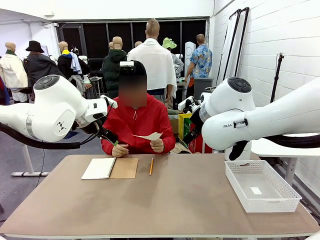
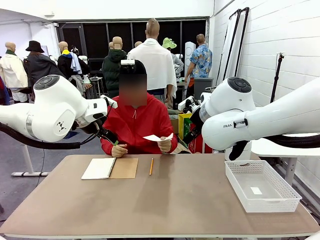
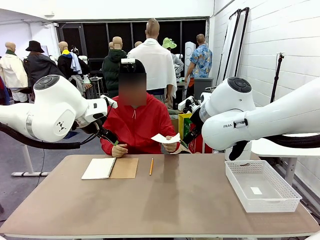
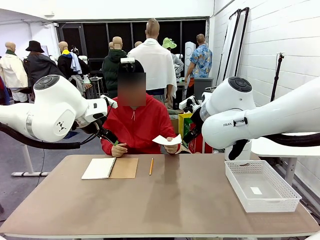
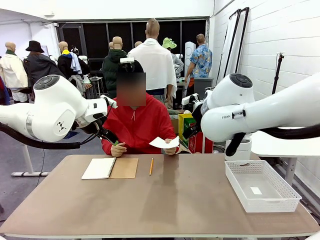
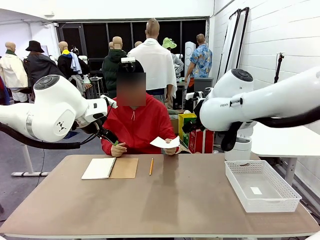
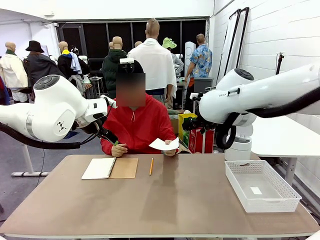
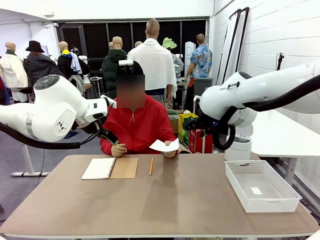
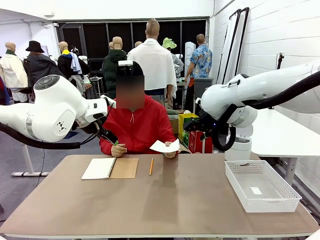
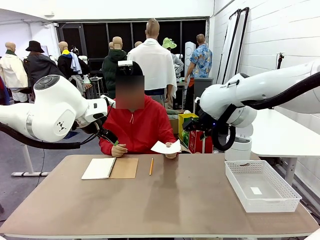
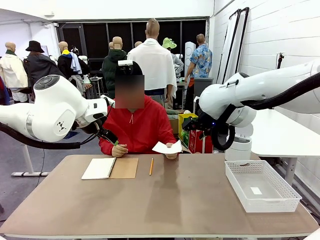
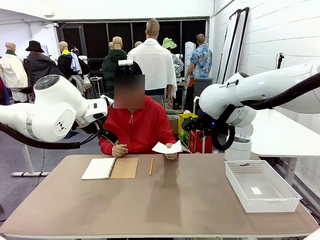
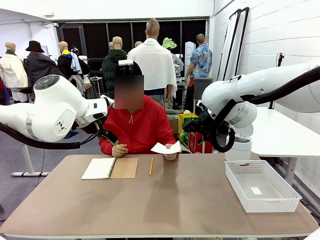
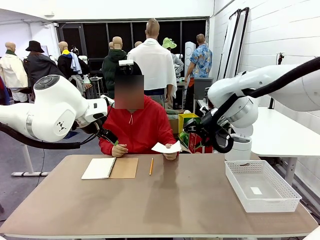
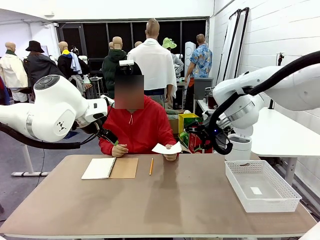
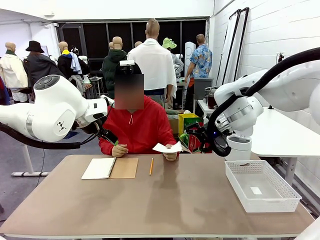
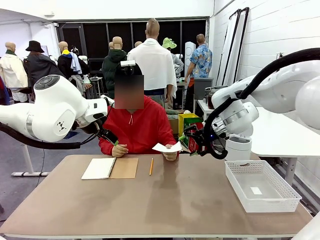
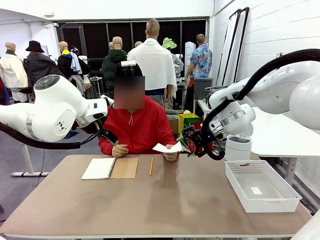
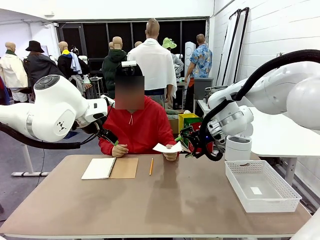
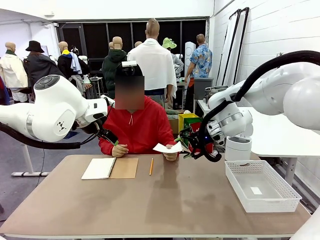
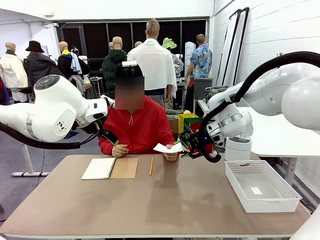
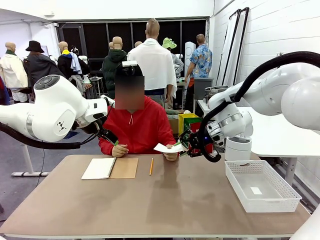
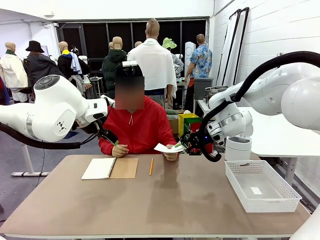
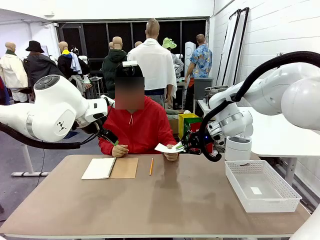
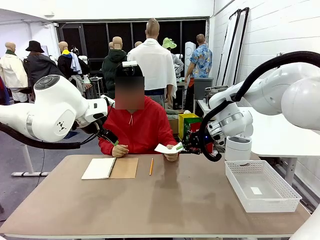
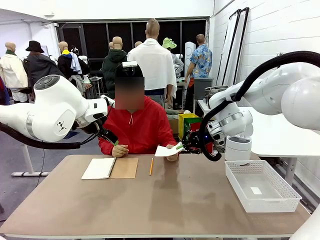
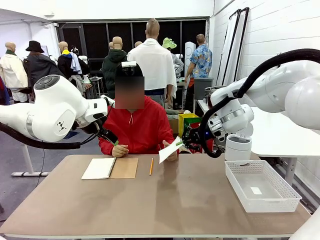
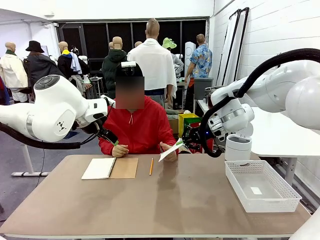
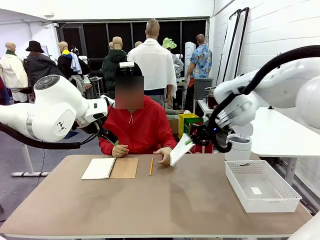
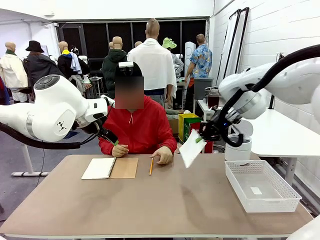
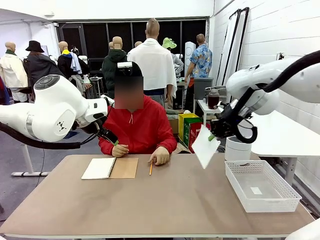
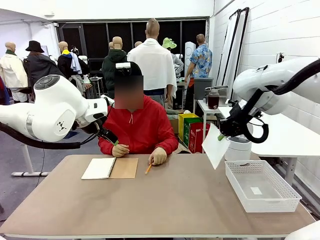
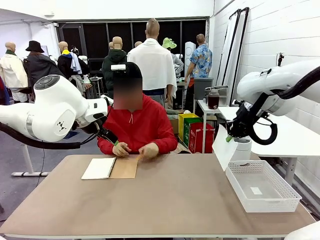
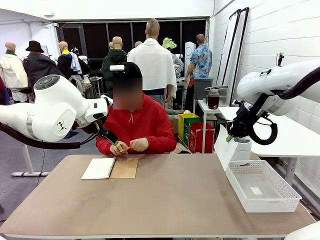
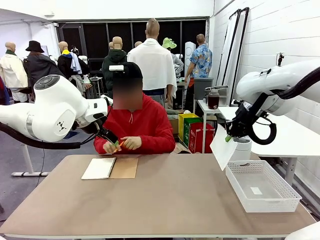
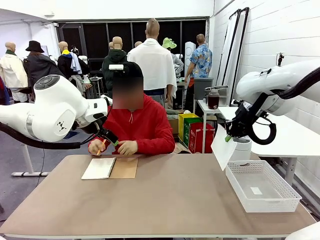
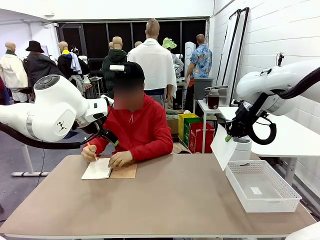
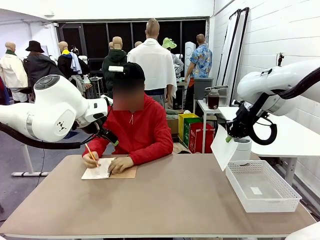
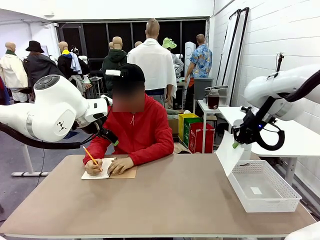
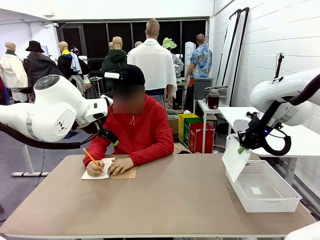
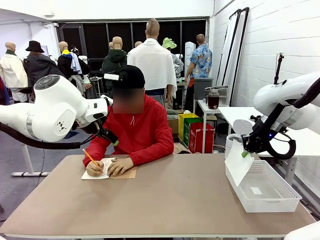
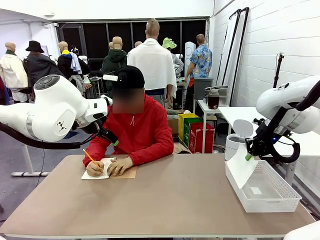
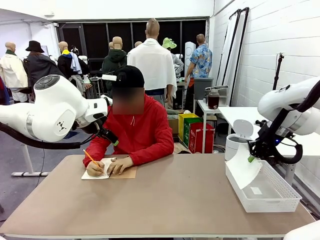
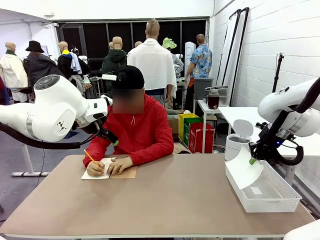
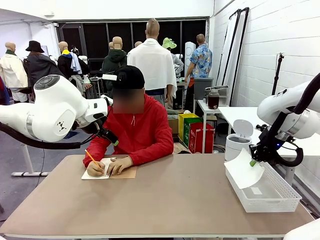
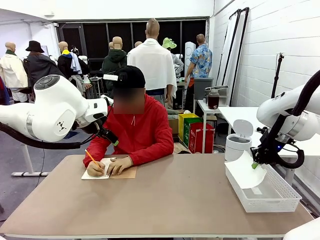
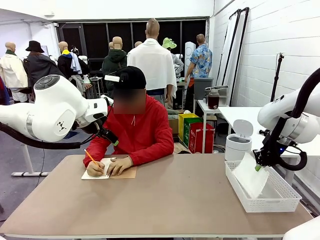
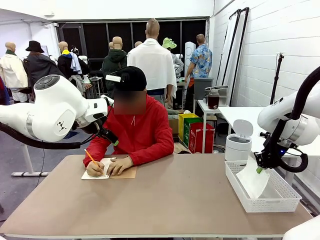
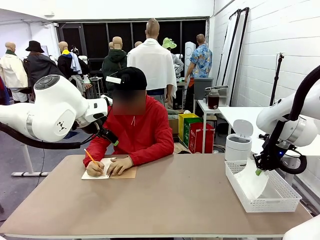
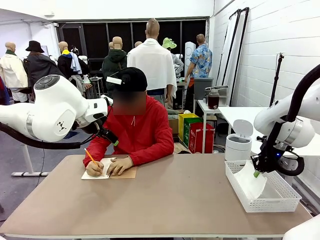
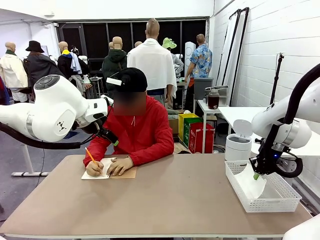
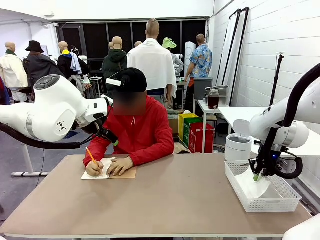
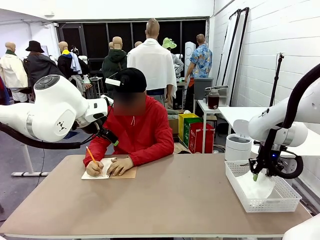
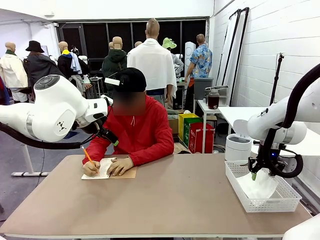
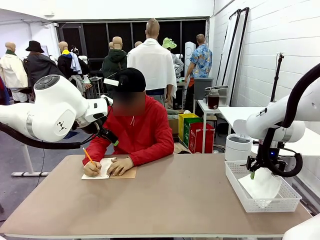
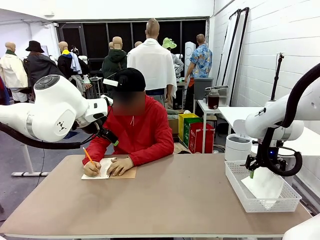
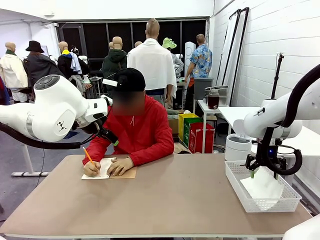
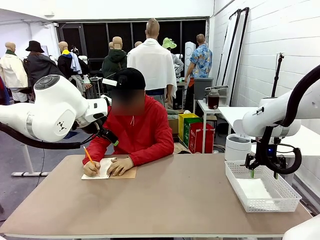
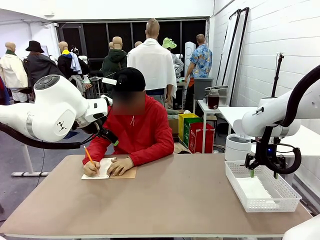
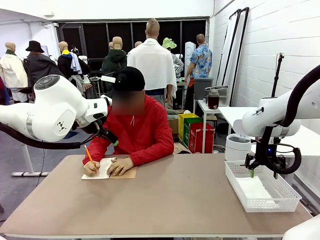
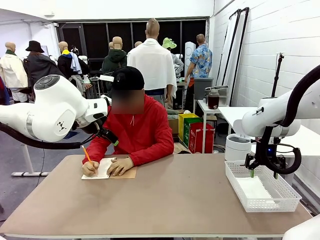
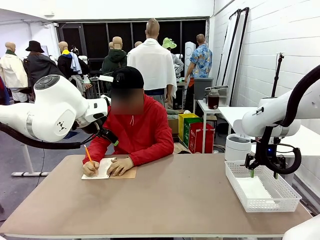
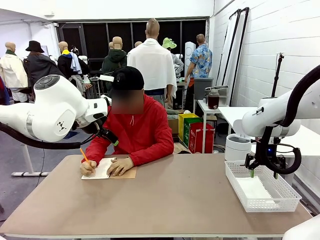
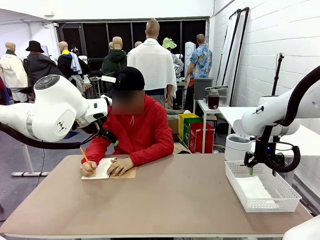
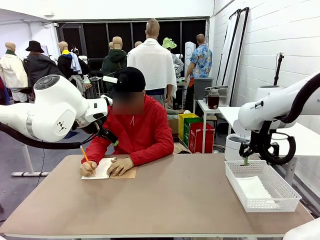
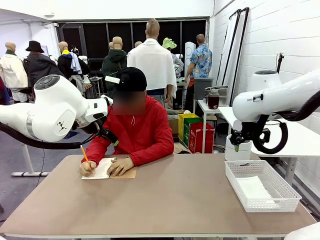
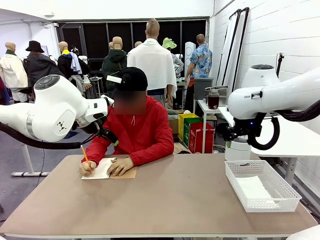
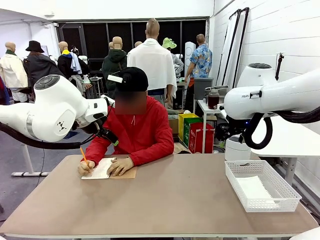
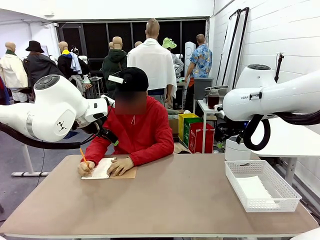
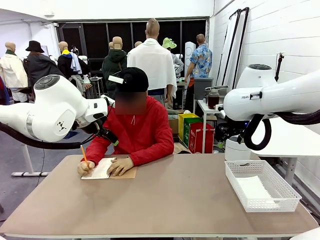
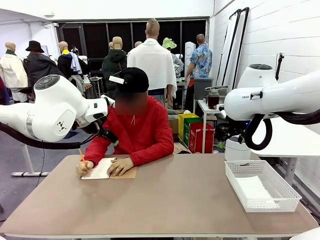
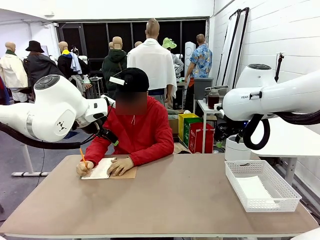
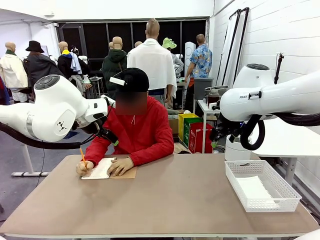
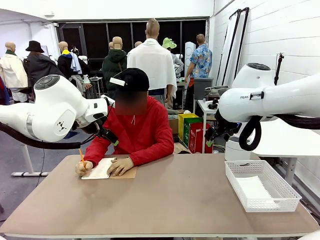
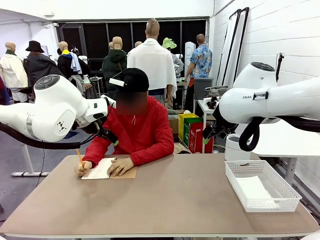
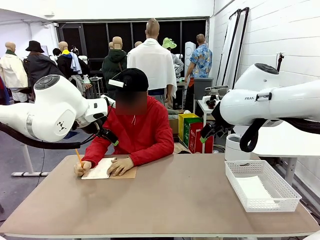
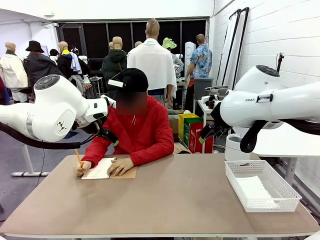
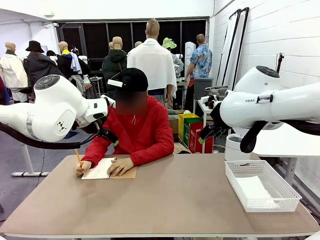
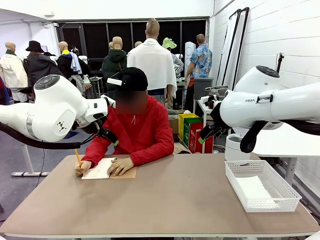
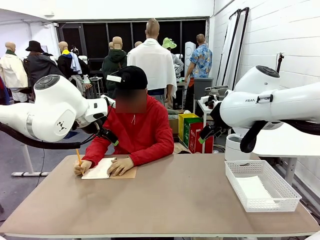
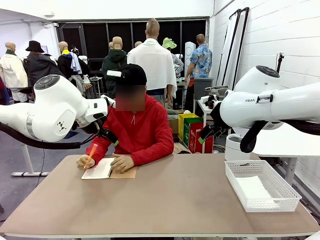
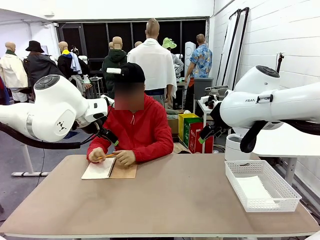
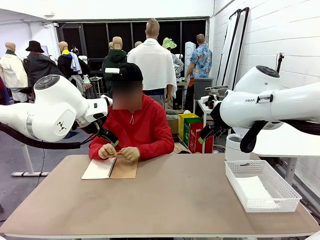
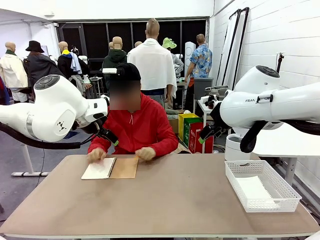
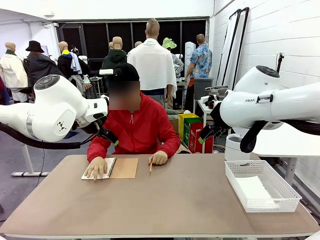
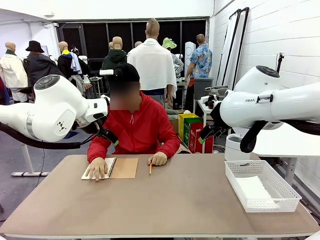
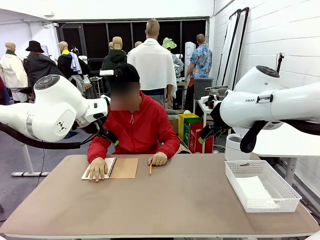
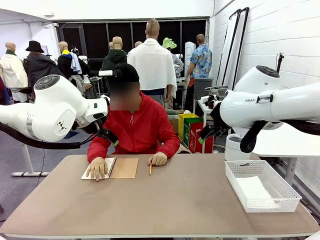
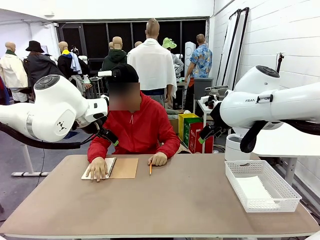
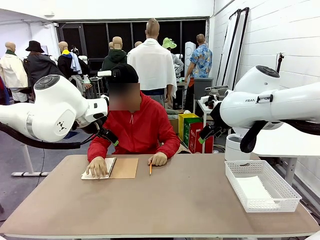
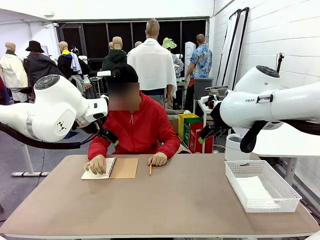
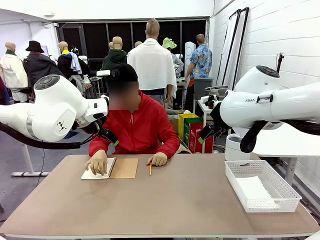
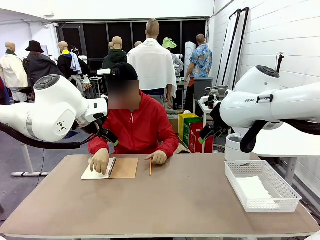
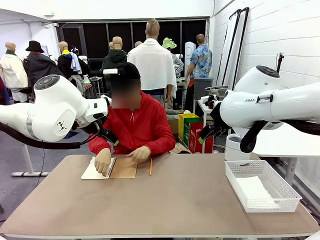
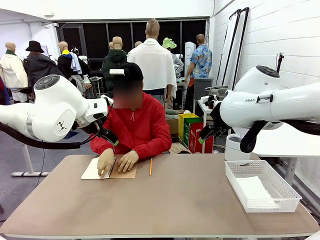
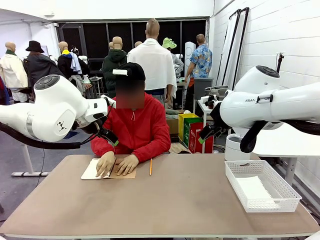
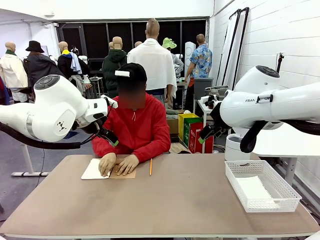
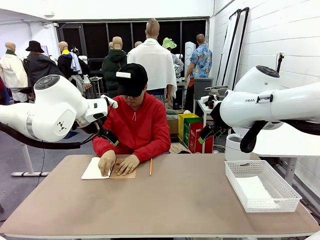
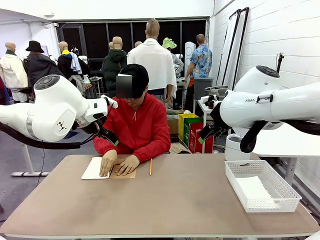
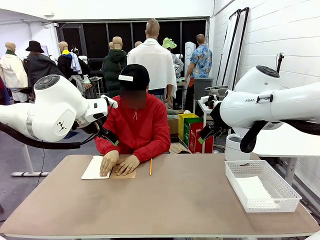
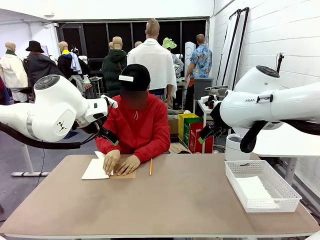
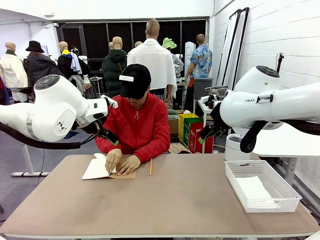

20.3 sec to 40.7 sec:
Task: Sort the paper based on its condition.
Robot: If a person hands you a paper, place it in the Organizing basket , and if it's crumpled, put it in the Trash can.
Person: Tear out a page from the spiral notebook.
